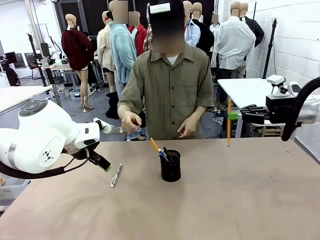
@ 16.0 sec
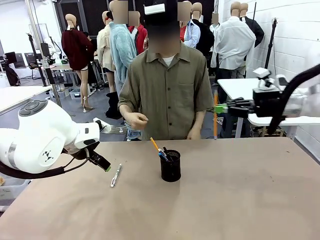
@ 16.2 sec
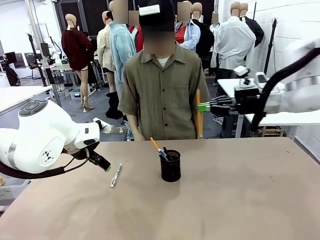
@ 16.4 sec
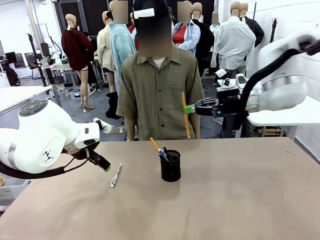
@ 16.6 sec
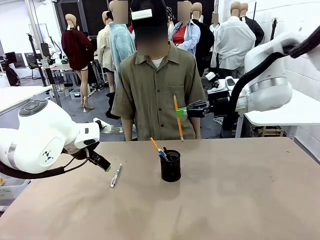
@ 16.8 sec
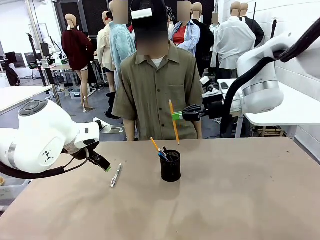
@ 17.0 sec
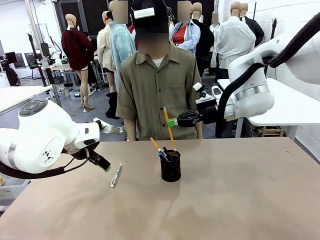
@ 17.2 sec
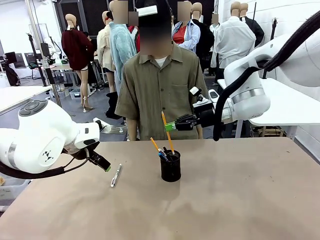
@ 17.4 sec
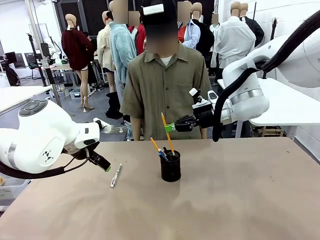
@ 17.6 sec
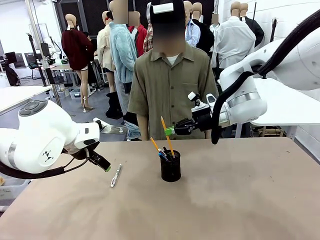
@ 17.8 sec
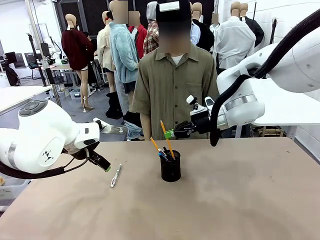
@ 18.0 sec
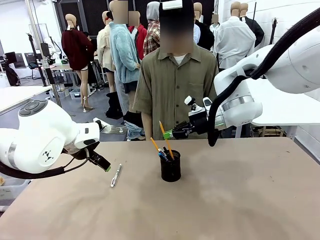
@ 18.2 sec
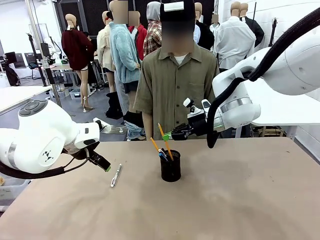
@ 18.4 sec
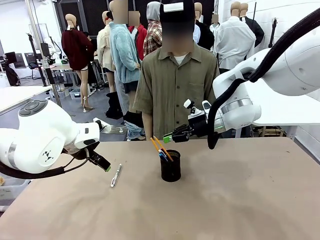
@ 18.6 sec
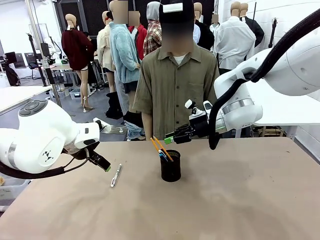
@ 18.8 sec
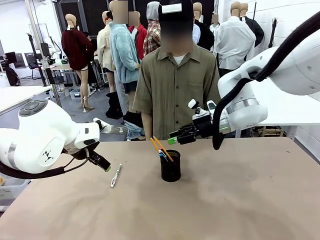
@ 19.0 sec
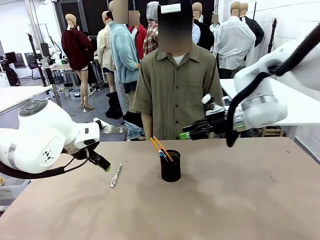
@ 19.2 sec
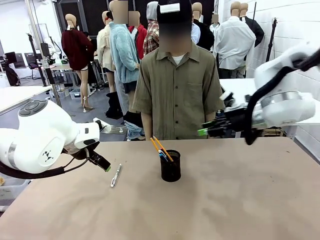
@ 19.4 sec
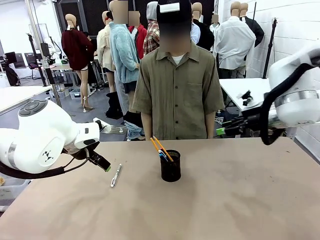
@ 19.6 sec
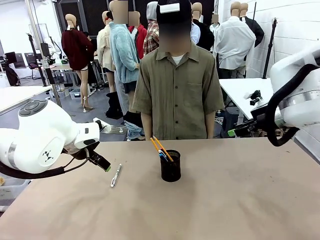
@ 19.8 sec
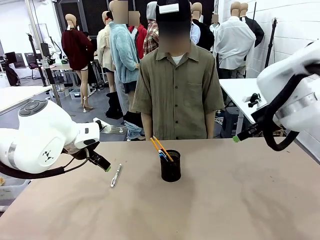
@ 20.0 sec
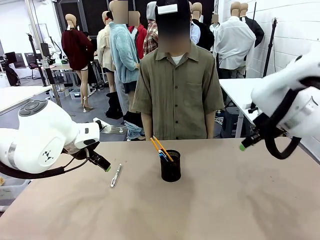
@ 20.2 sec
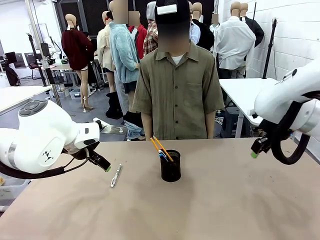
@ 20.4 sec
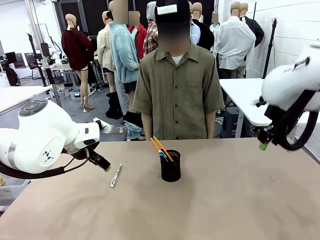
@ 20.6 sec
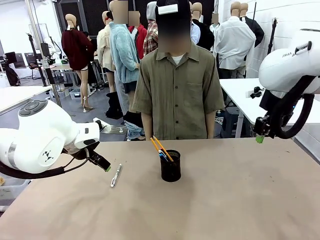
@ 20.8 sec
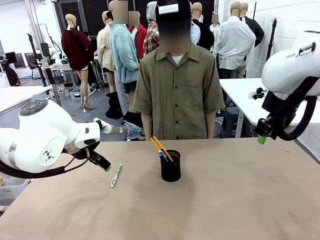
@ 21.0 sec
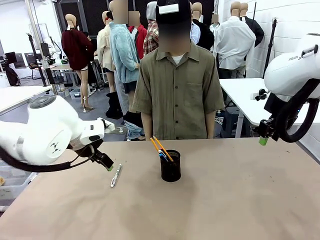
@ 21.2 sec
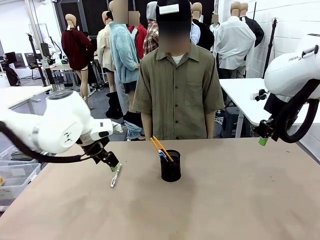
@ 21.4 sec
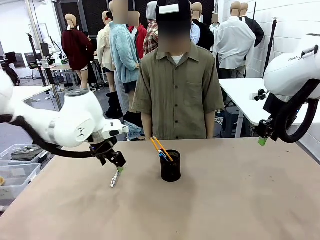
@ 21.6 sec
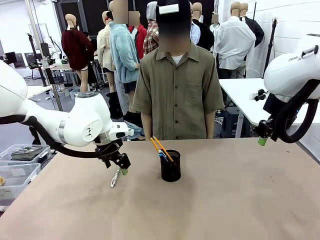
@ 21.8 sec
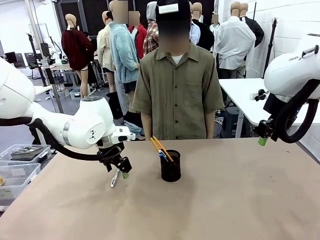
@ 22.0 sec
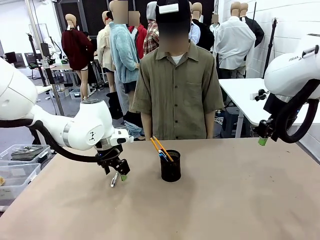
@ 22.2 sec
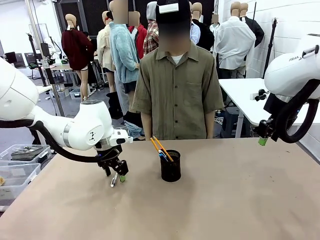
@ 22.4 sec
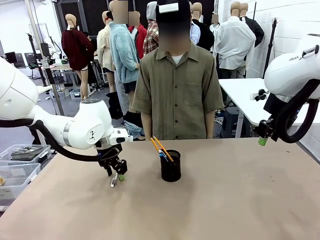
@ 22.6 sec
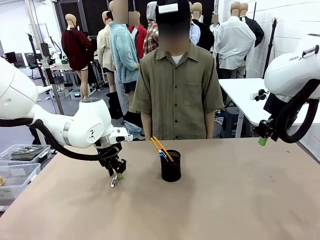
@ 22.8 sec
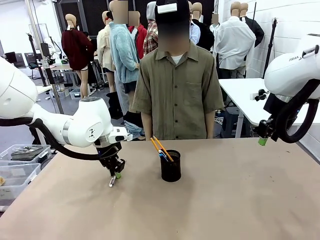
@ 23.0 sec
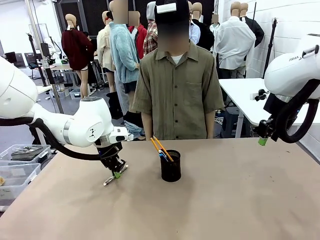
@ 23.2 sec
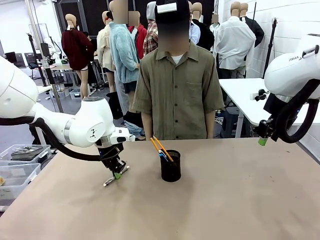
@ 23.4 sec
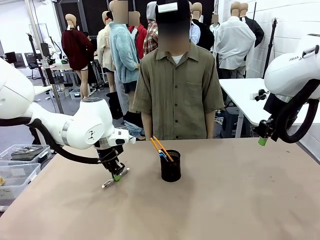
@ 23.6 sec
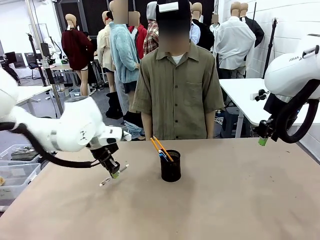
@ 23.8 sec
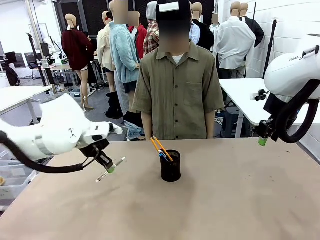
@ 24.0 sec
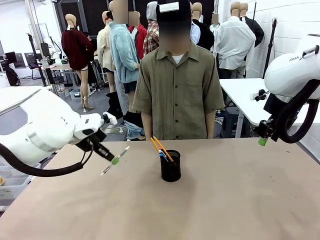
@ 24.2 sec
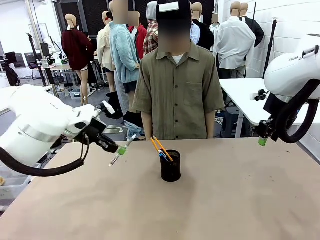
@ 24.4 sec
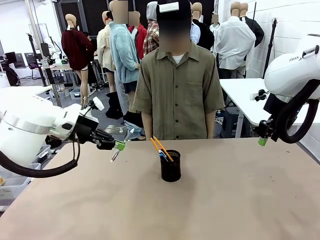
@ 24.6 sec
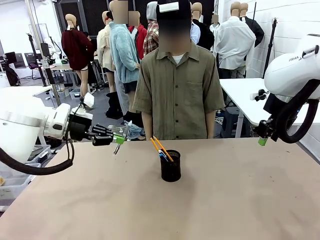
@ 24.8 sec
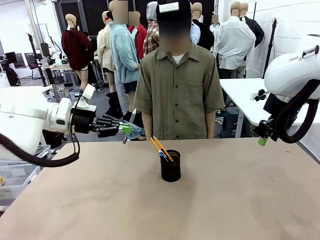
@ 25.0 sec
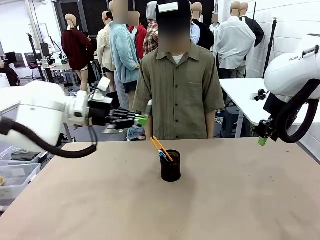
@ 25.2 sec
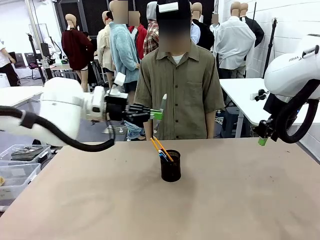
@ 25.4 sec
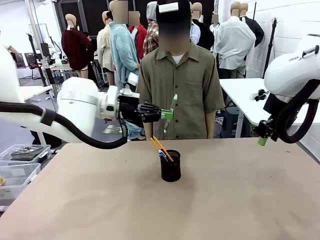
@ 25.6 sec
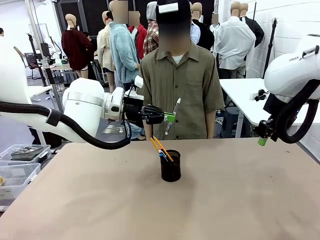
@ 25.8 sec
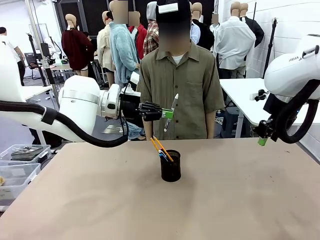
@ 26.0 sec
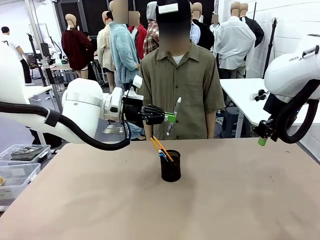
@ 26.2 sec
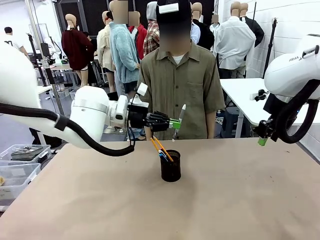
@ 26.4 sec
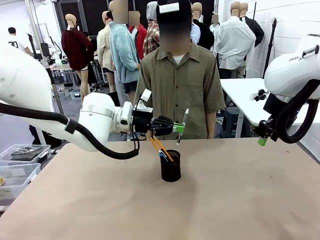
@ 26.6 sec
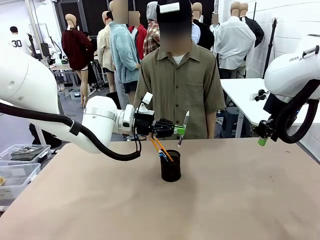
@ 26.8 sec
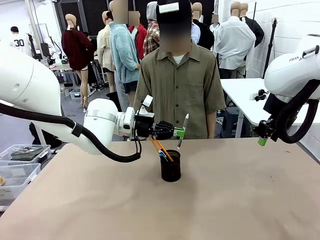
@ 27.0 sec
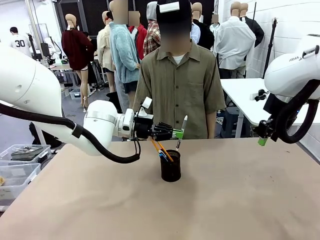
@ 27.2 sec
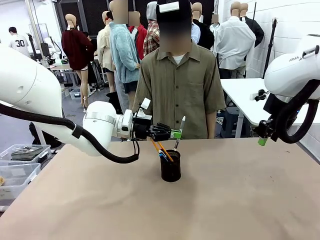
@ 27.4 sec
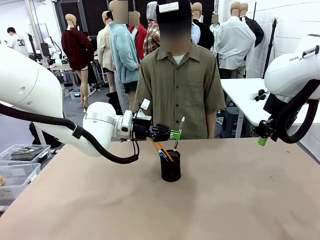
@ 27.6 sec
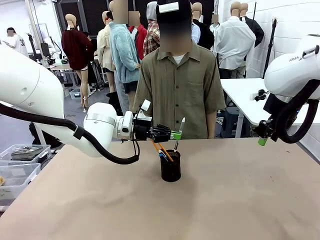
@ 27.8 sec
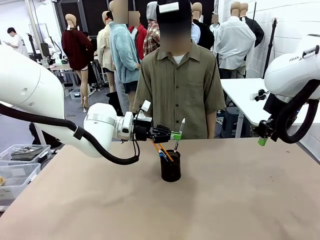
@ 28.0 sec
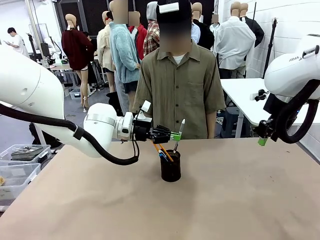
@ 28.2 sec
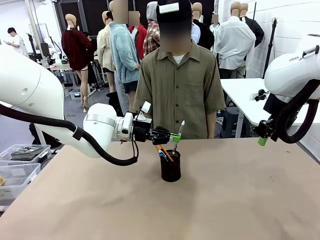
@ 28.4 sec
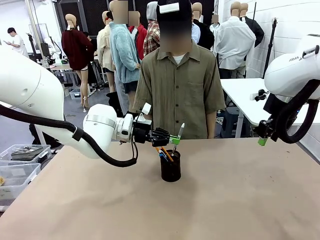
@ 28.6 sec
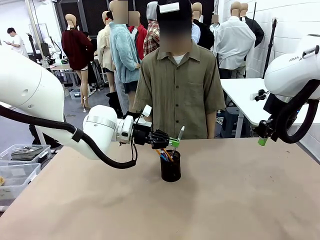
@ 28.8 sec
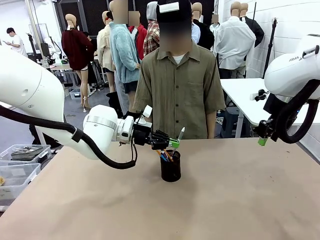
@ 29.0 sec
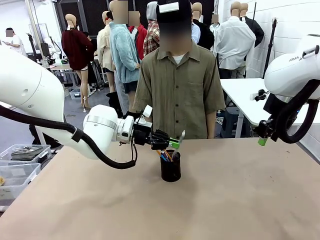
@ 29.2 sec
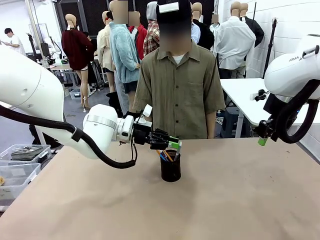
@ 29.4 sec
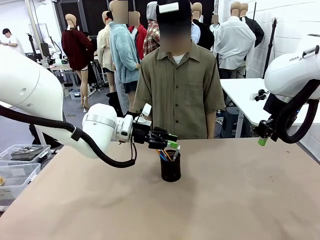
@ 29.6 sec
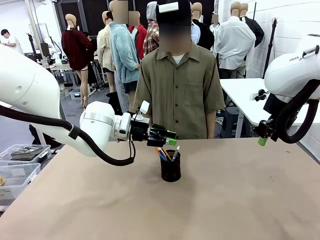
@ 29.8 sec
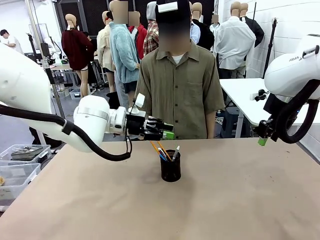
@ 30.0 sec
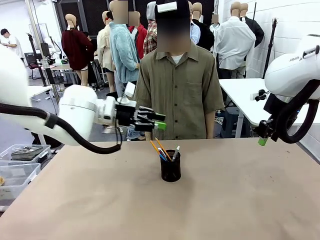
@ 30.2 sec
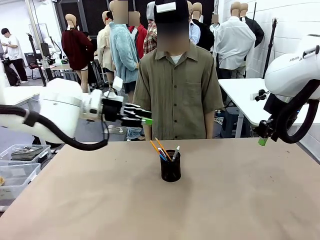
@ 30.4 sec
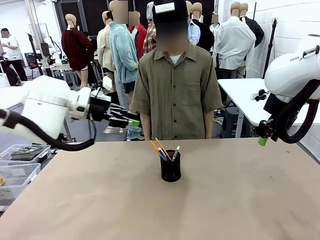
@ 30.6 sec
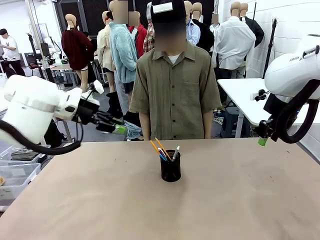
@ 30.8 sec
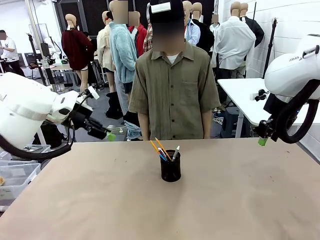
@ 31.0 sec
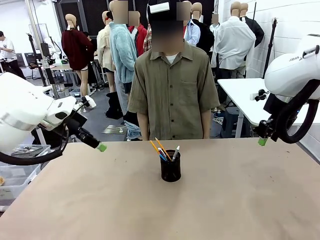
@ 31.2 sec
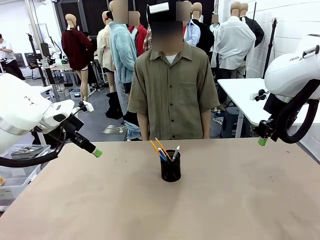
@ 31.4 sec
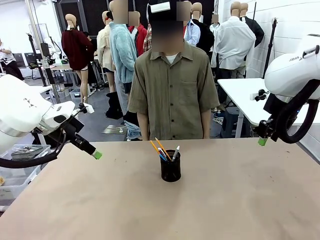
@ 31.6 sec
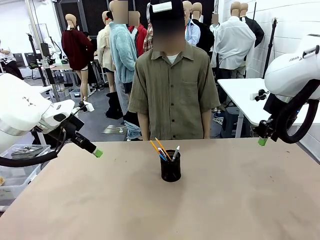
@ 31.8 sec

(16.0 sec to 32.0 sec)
Task: Place the pens into the pen holder.
Robot: Pick up a writing instrument from the table and place it into the Pen holder.
Person: Place all writing instrument into the Pen holder.
